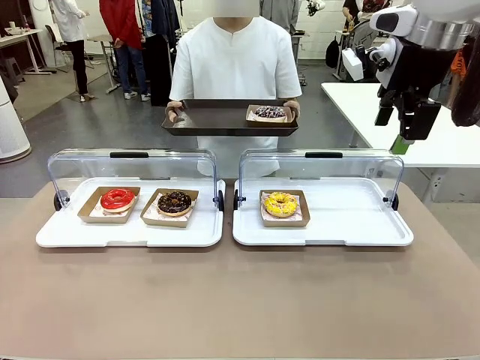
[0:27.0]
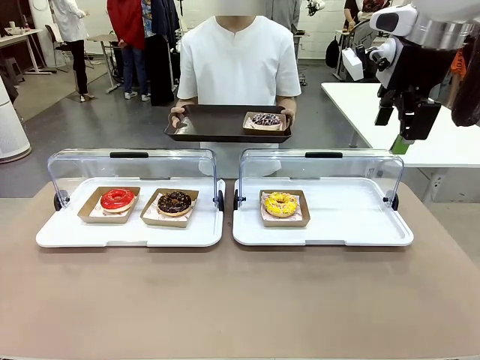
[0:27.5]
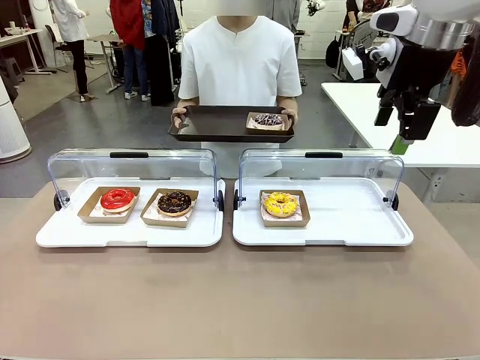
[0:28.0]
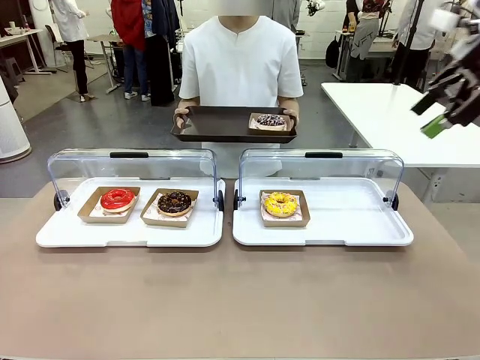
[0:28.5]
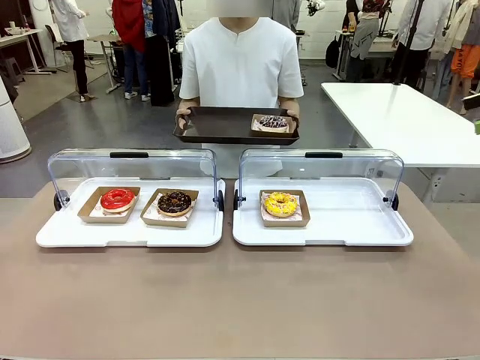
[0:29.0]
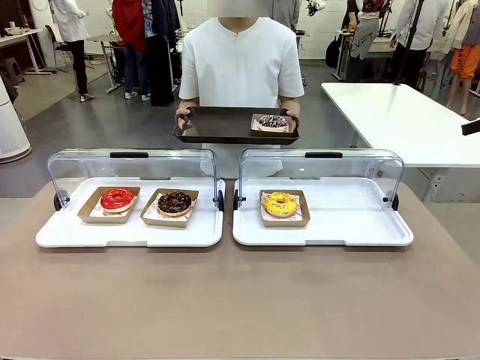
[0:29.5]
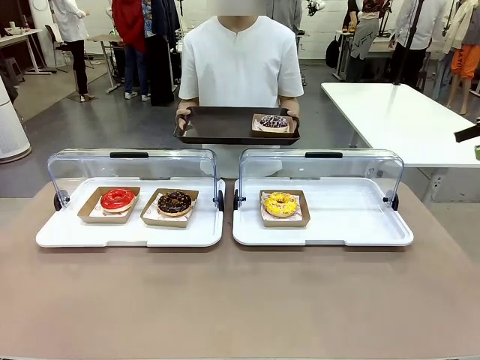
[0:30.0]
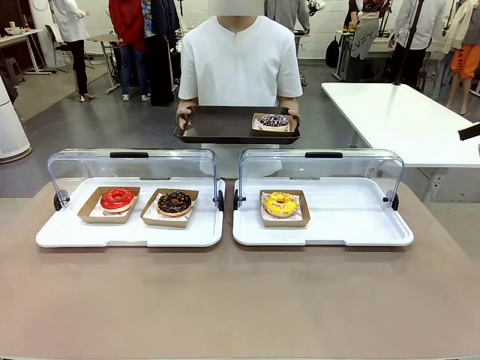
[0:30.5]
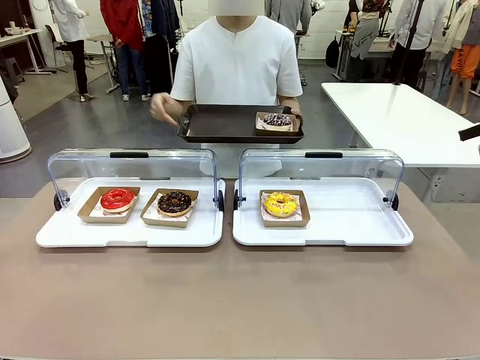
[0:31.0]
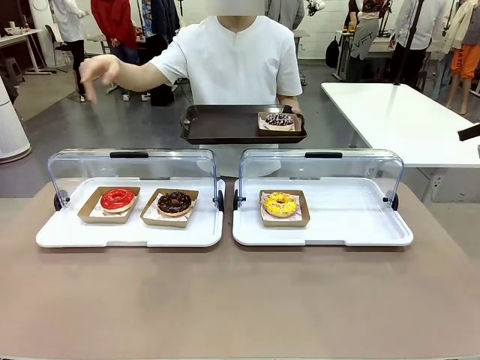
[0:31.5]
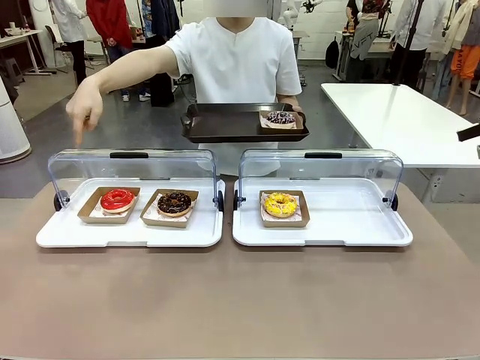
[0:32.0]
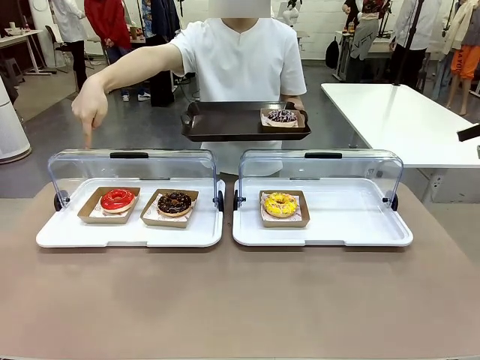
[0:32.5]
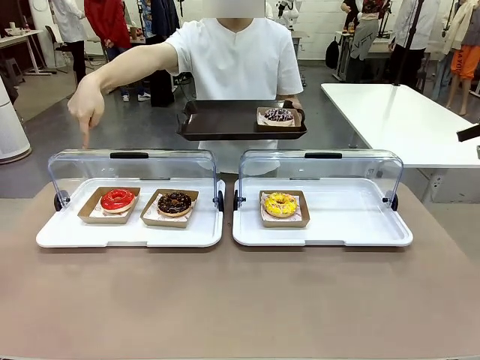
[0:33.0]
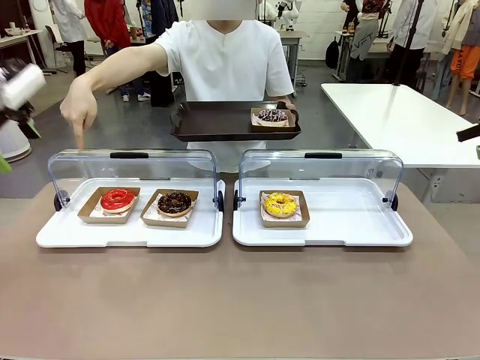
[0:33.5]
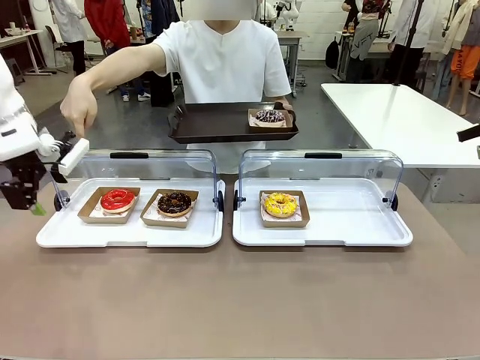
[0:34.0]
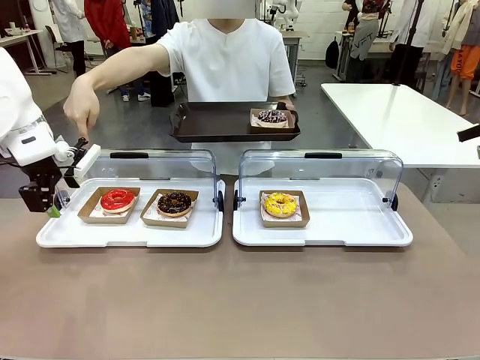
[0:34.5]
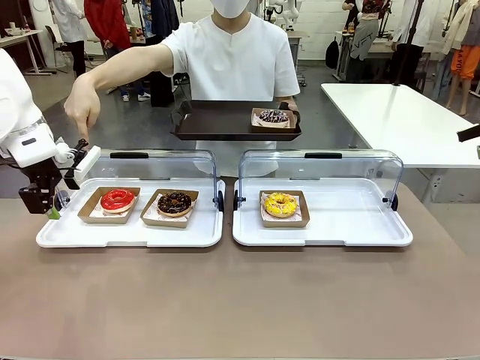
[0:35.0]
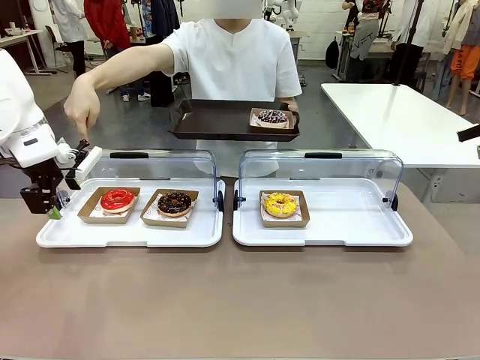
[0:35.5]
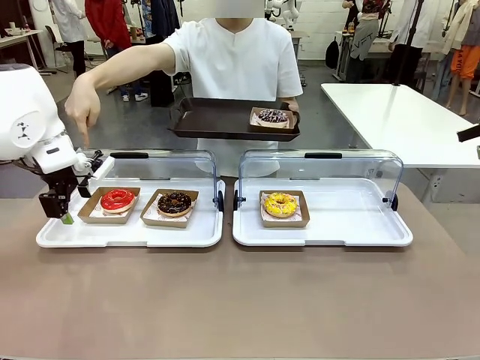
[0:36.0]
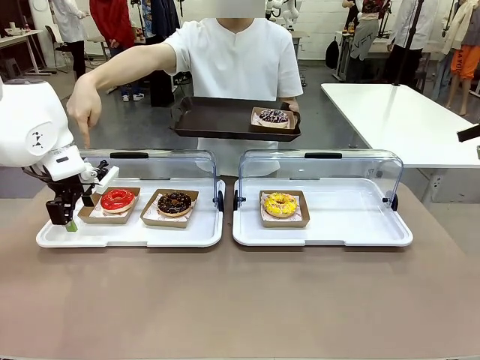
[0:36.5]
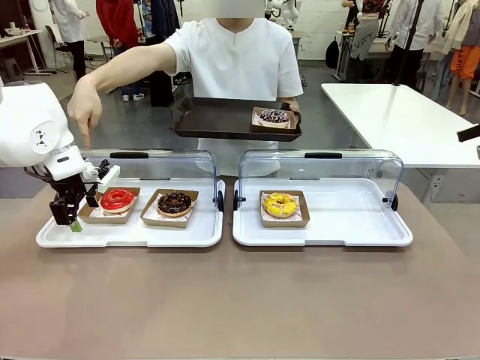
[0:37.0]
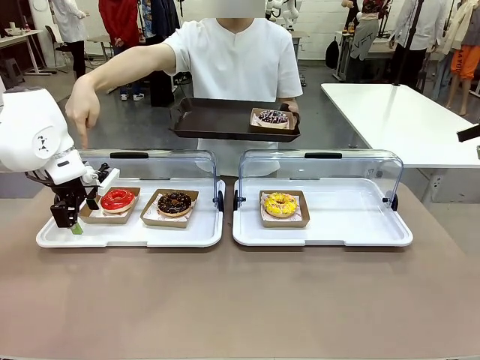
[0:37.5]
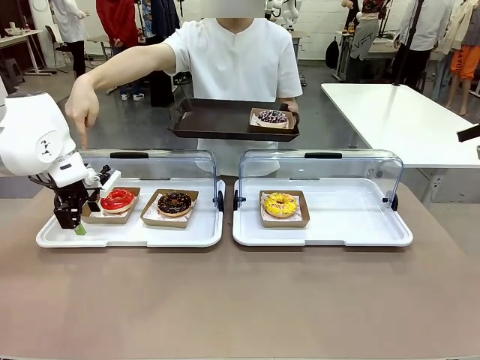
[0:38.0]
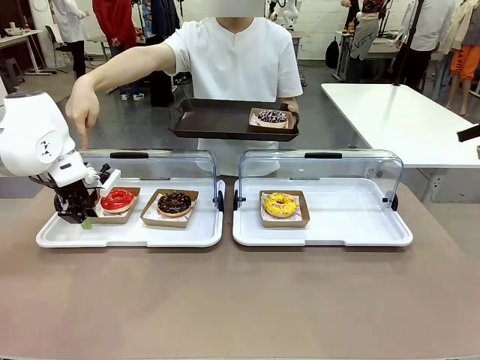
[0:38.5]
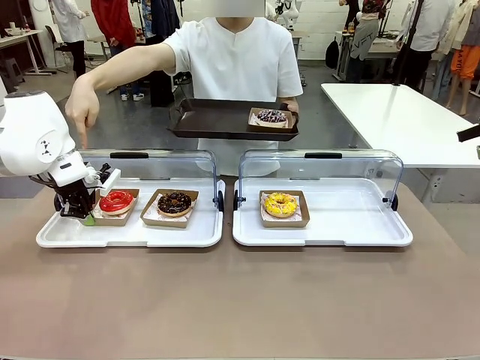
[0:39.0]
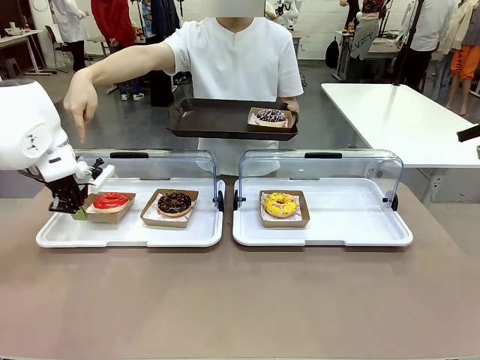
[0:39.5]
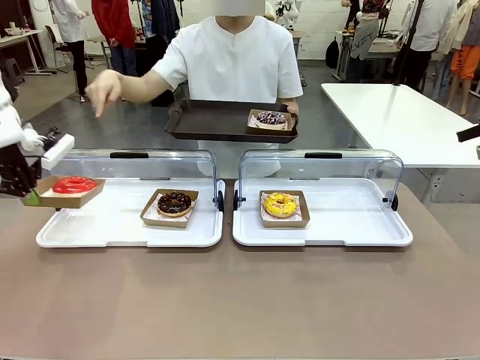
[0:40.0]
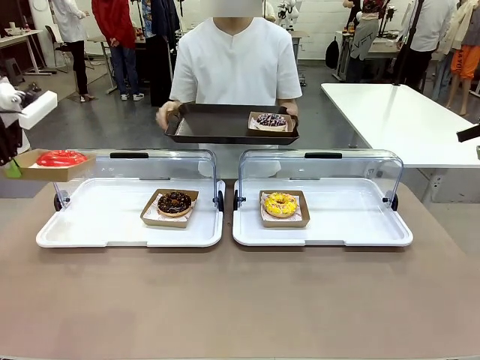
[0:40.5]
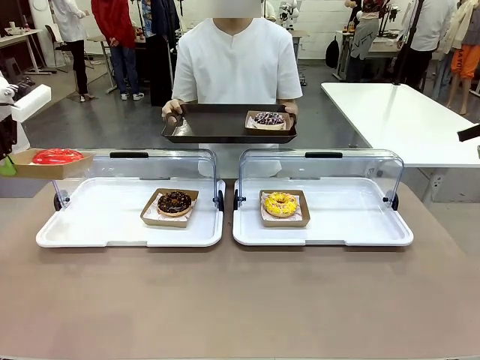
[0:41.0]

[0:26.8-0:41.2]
Task: Provide the desired donut to the person.
Robot: Pick up and lift the Paper togo box containing the Donut pointed at by the person.
Person: Point to one donut. Lift the tray onto the Roll-Top Bakery Case.

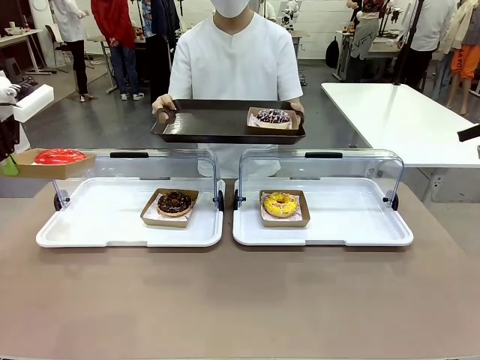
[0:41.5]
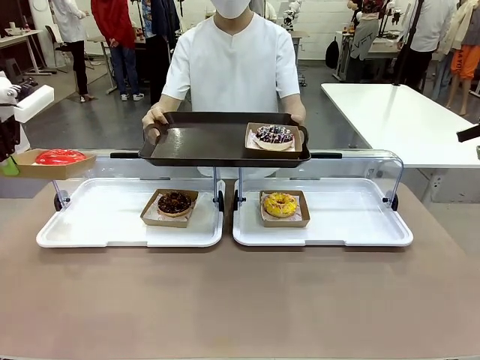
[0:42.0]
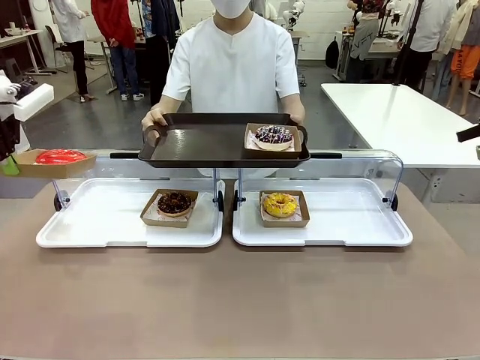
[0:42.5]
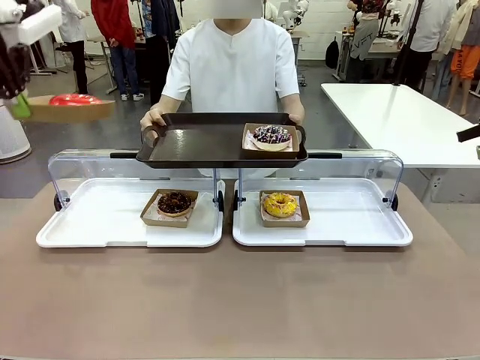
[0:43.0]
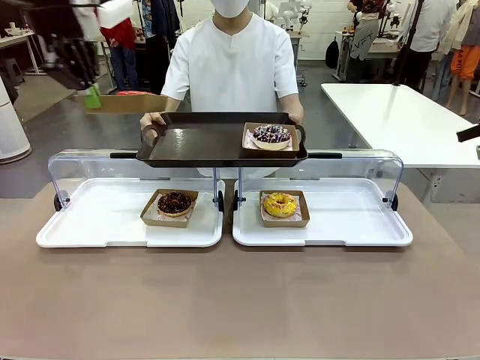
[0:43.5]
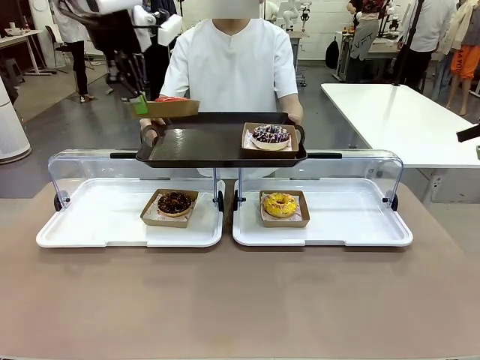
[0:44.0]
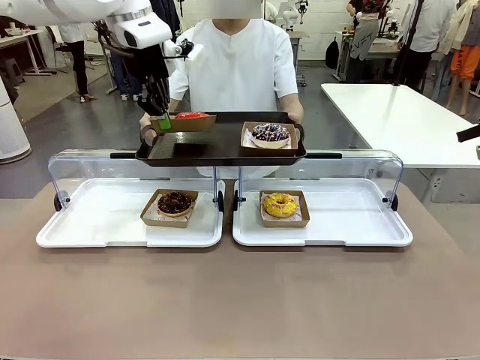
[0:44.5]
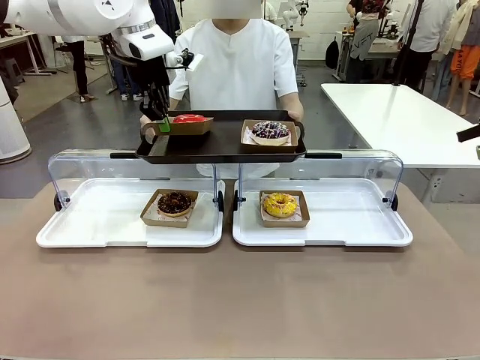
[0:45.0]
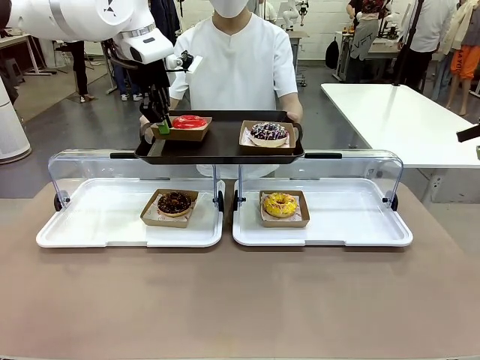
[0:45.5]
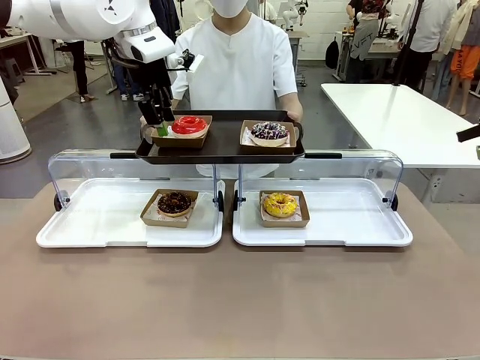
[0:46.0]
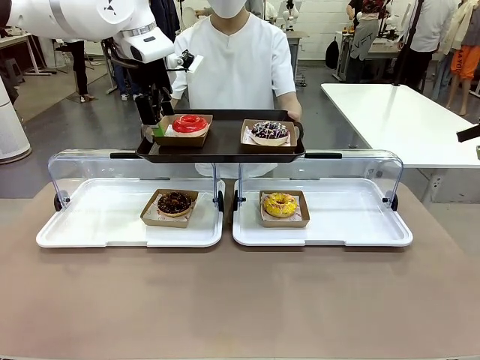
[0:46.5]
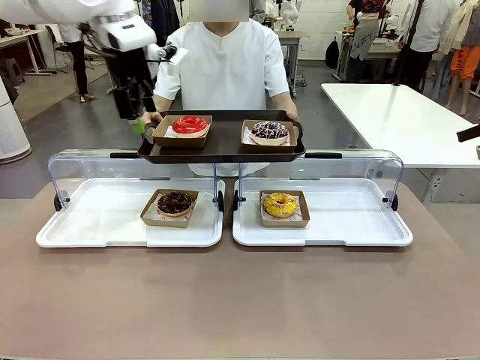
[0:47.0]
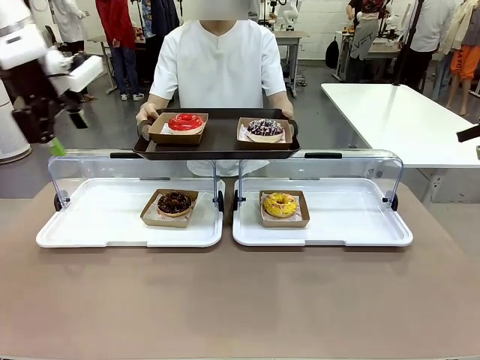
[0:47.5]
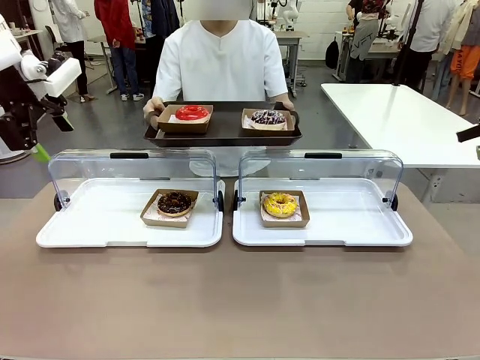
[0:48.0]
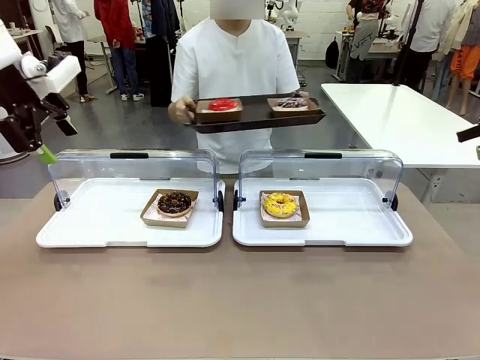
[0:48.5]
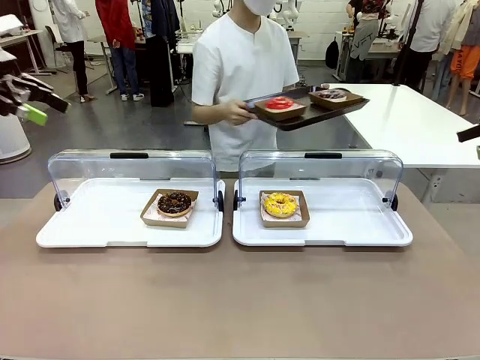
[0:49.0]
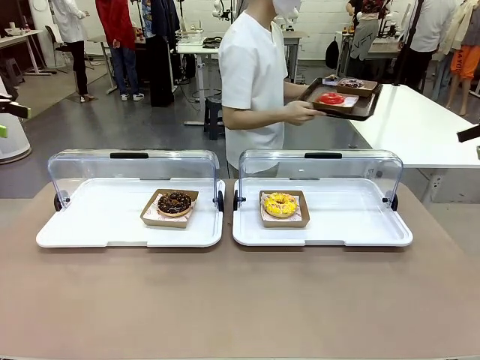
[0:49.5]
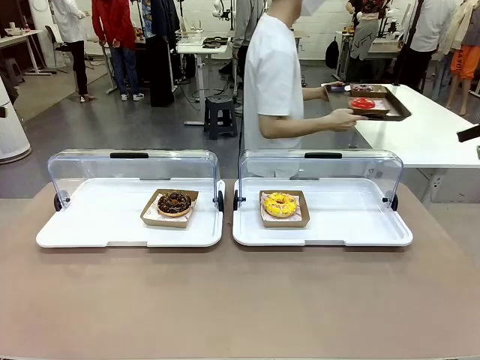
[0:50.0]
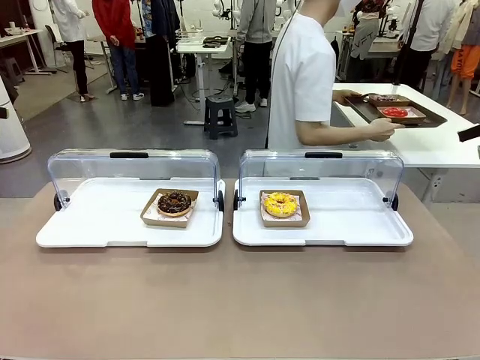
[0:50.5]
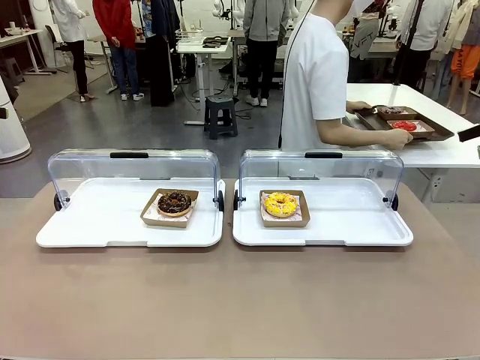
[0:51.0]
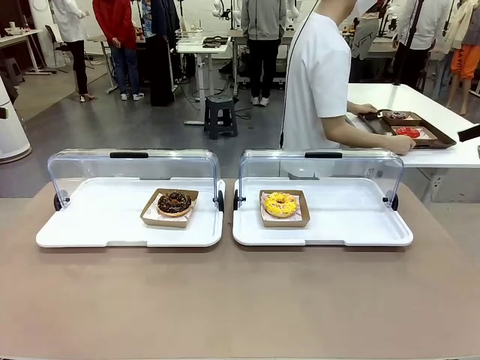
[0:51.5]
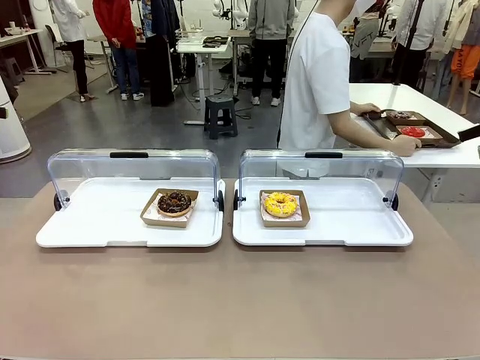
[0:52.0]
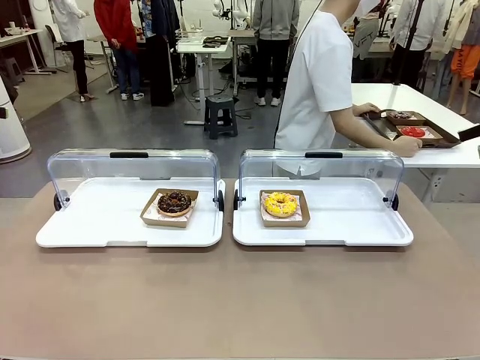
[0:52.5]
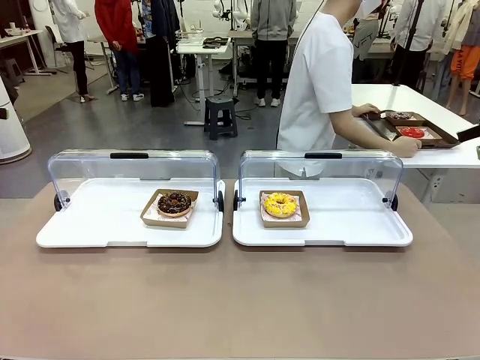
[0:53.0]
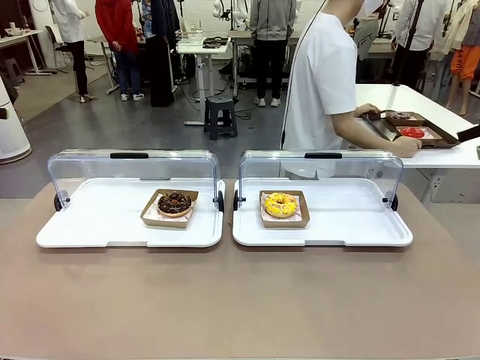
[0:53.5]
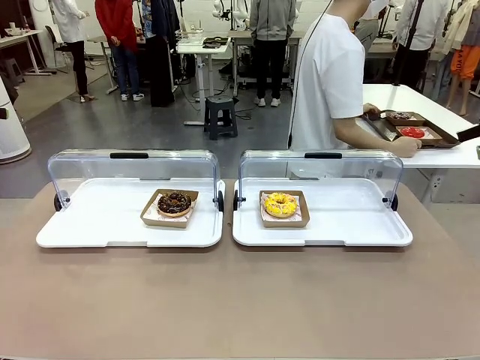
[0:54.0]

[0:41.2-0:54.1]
Robot: Place the picked Paper togo box onto the Handle tray extended by the person.
Person: Place the tray in the middle of the human table.
